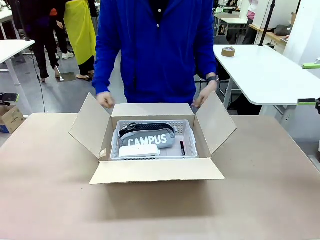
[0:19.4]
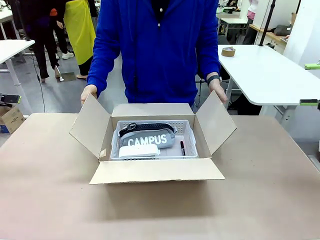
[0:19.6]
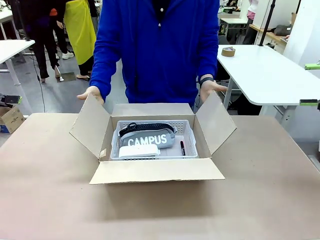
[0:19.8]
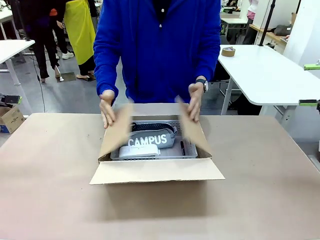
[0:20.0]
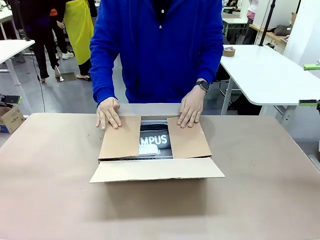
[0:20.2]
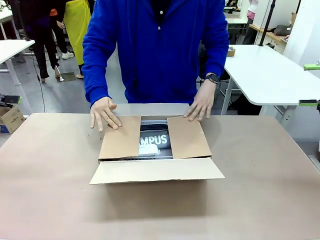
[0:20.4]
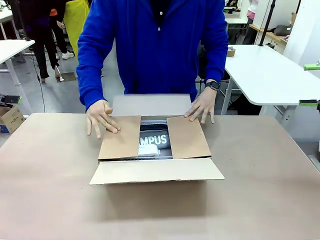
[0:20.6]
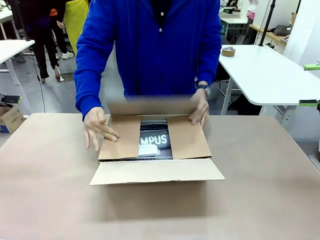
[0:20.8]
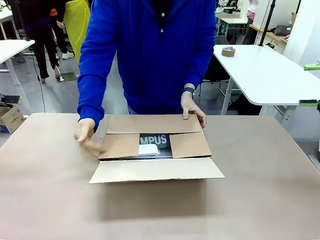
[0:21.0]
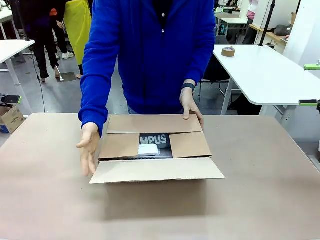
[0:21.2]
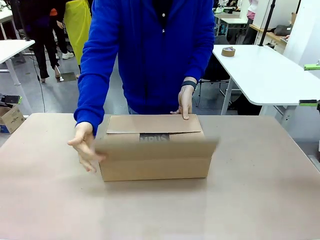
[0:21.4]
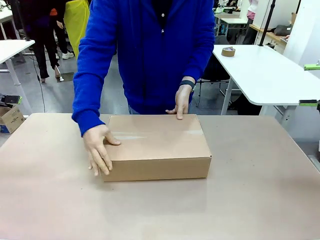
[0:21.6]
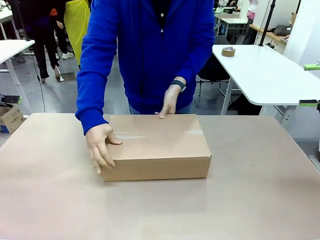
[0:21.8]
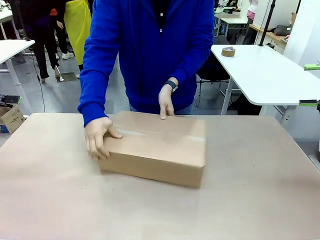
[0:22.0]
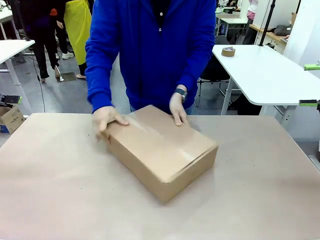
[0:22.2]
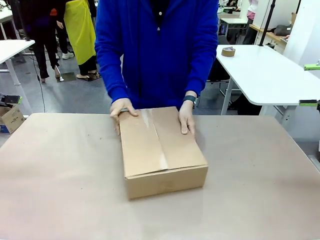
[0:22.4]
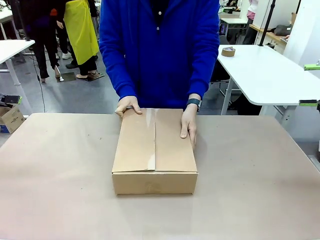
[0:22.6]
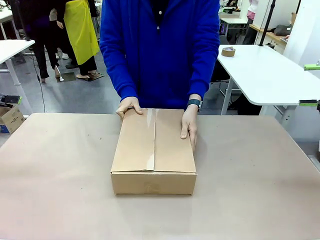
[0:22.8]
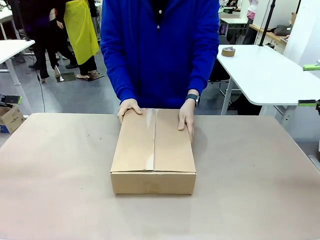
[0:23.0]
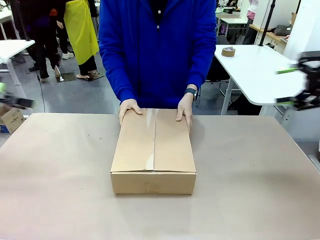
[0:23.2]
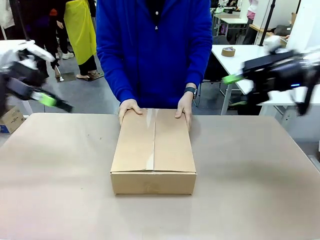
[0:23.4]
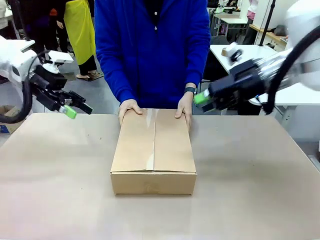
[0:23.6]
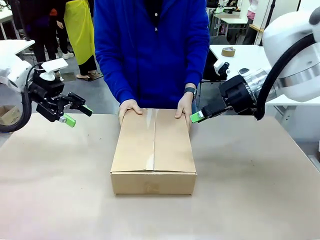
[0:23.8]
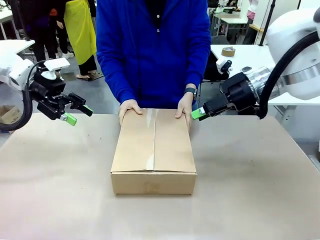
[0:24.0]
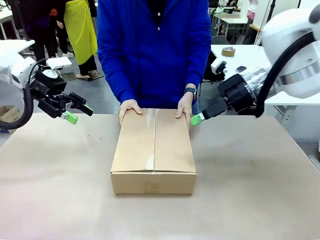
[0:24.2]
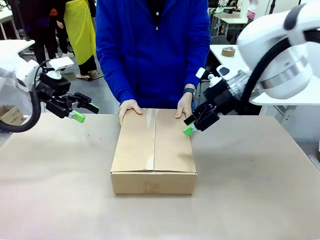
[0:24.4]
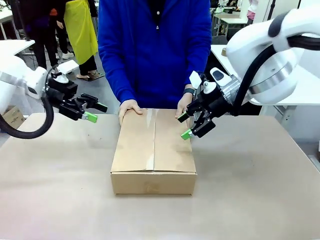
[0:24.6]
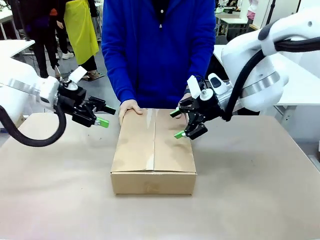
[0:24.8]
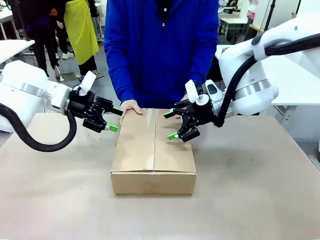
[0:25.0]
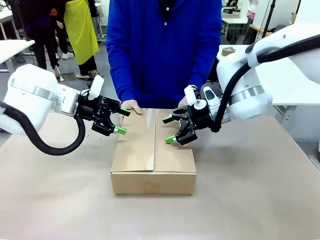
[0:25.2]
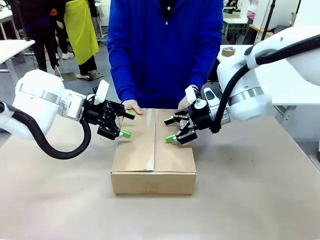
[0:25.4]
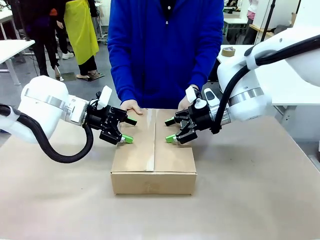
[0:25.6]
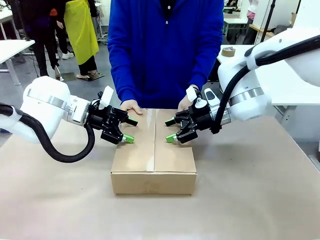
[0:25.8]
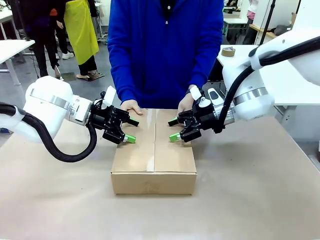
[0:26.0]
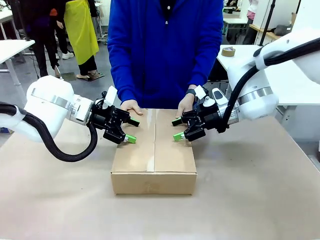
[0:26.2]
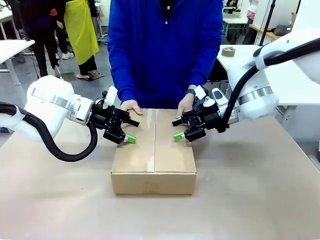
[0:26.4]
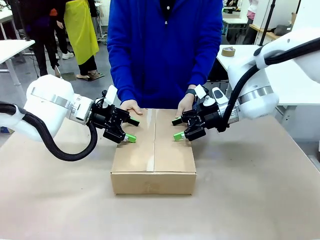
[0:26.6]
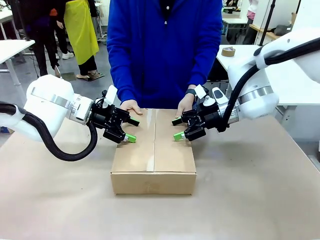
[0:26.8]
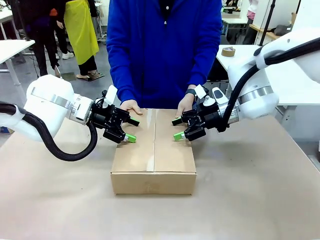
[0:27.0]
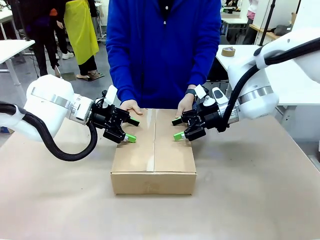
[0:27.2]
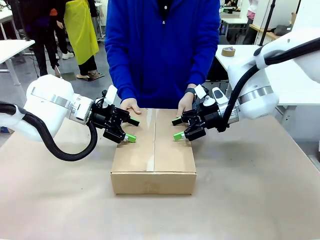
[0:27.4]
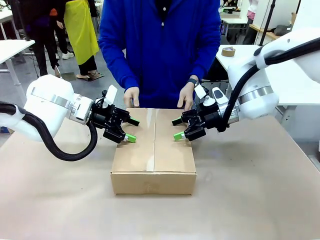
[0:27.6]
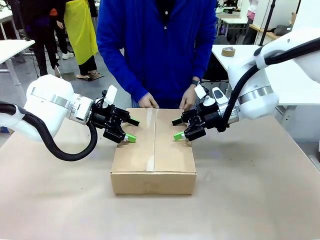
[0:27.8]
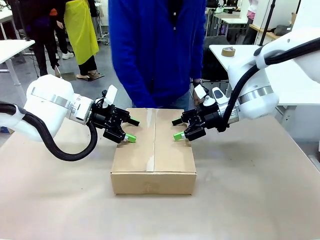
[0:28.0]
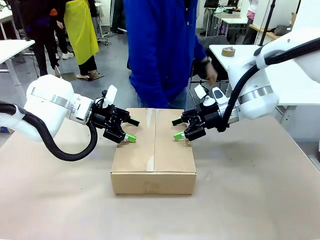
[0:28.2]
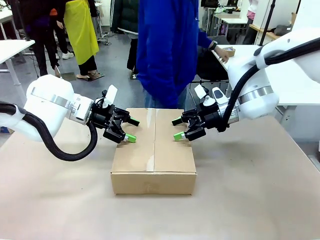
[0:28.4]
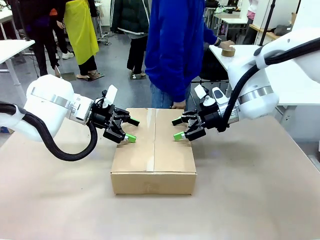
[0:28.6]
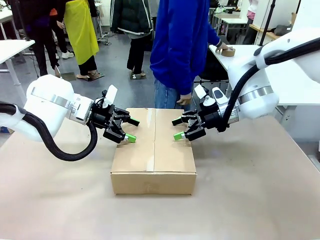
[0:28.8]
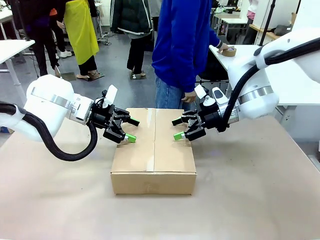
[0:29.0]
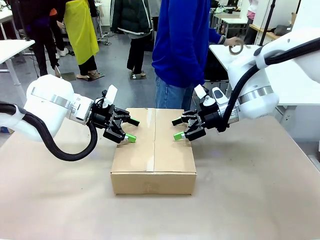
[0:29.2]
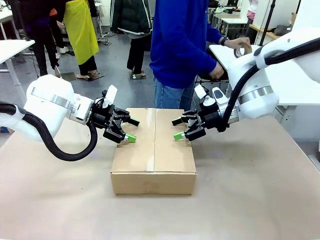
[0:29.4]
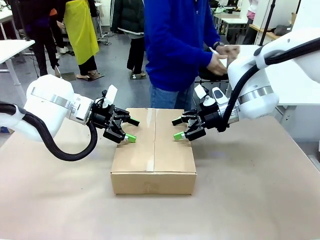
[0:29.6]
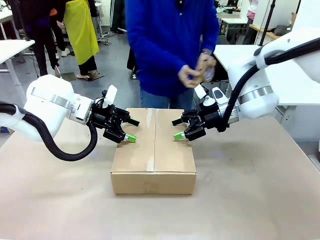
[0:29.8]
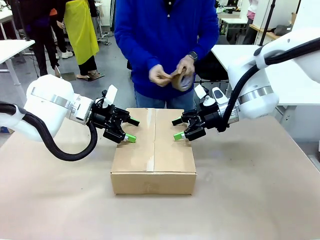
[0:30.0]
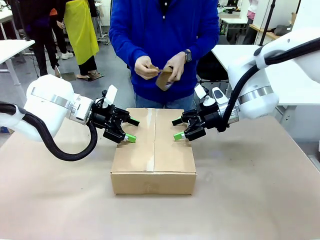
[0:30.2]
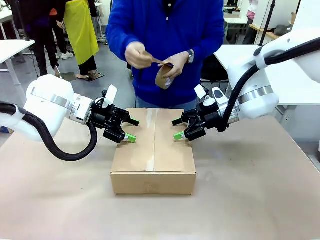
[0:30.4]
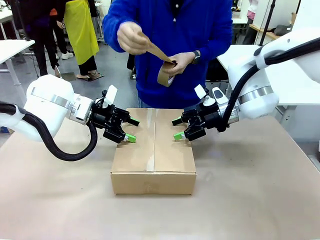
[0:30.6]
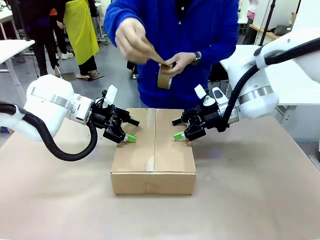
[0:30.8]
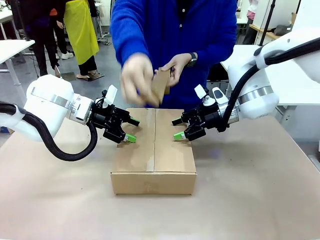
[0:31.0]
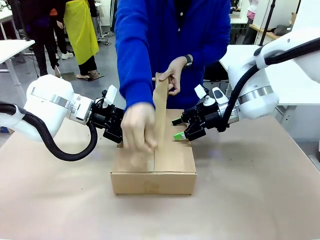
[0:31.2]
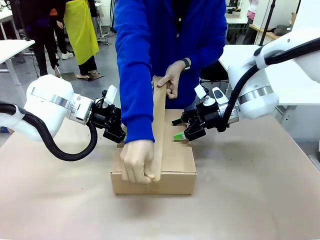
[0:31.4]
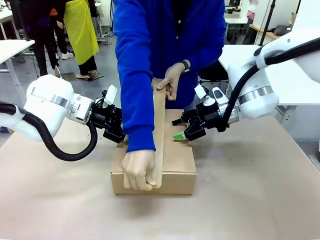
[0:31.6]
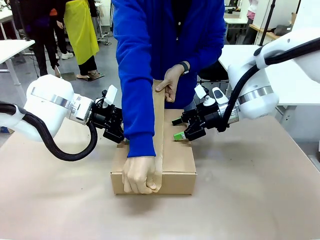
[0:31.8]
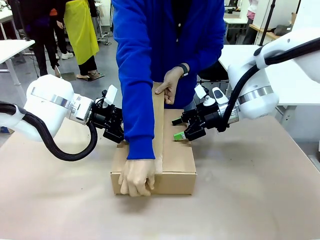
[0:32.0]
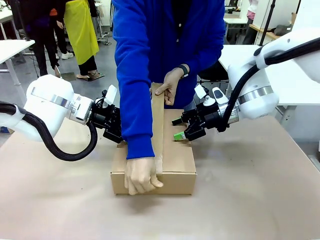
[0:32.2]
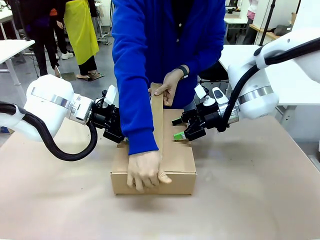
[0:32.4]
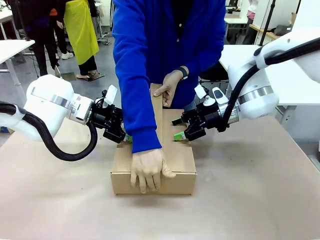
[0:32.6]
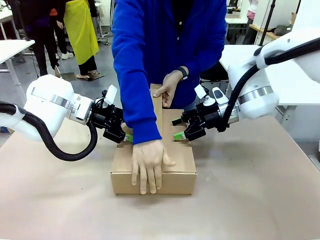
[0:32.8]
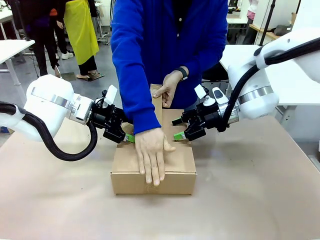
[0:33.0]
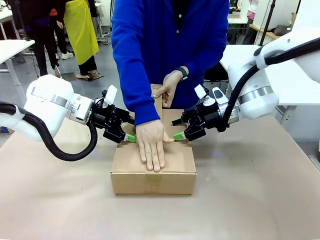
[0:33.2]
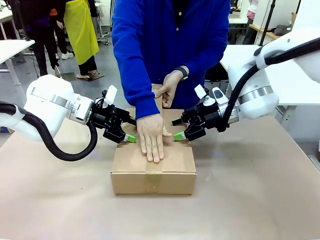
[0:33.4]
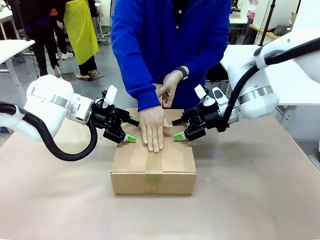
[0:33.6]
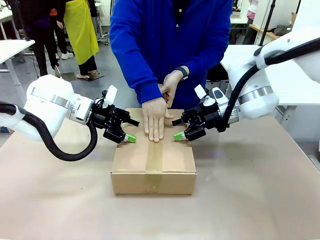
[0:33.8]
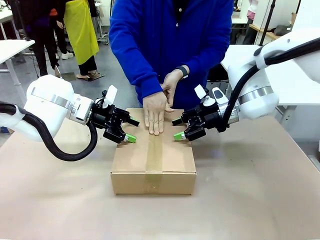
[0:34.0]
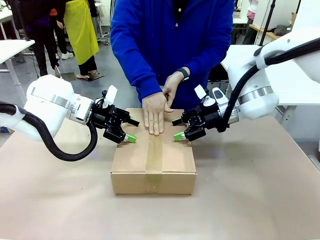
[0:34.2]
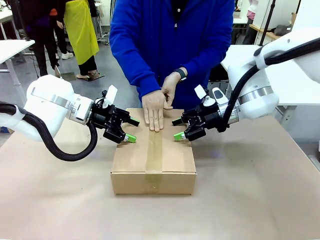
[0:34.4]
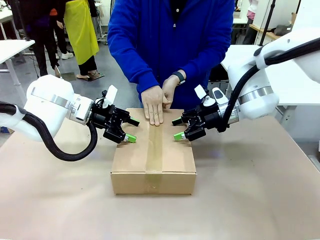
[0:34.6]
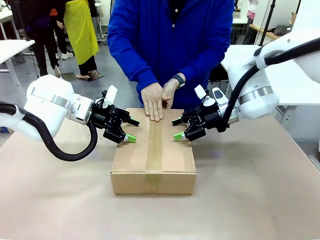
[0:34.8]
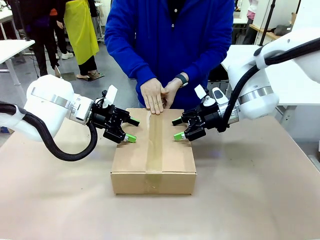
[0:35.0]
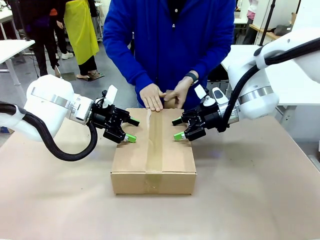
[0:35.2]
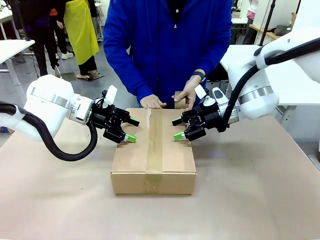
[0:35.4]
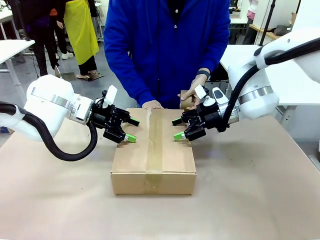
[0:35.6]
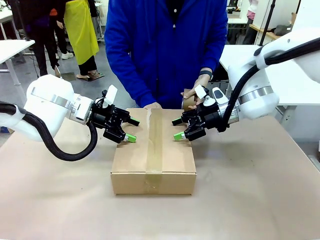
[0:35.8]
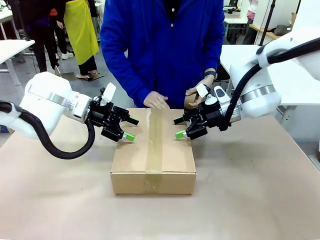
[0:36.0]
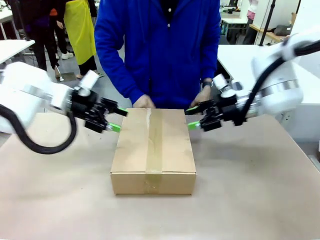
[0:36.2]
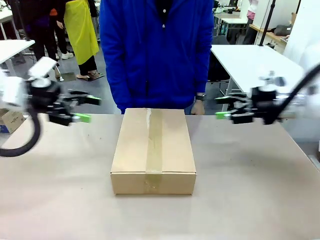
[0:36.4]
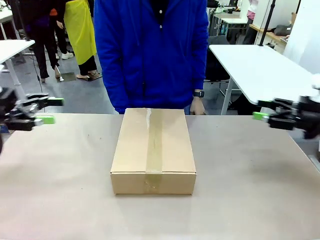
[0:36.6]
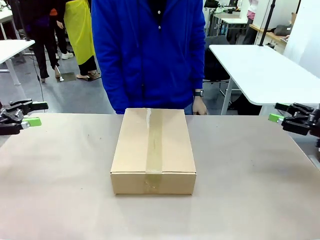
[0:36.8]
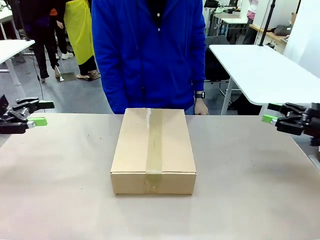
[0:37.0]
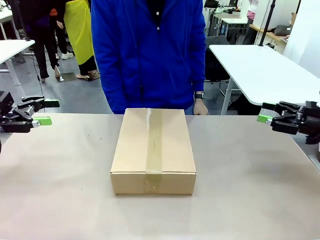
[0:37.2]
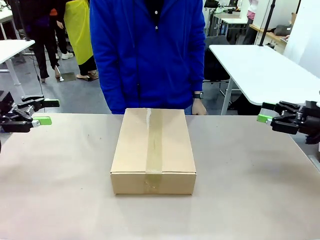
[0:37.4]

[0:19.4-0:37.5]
Task: Pack the gift set into the box.
Robot: Press and hold the closed box until the human finishes sealing it.
Person: The human closes the box and rotates the box by 90 degrees. The human picks up the paper tape from the human table and packs the box.
